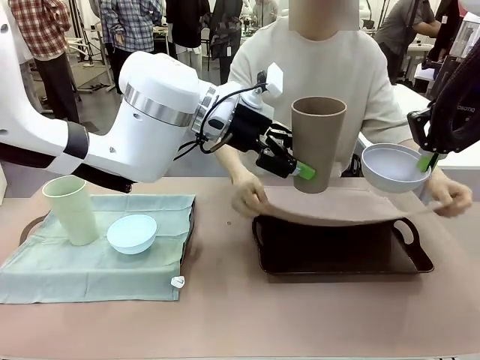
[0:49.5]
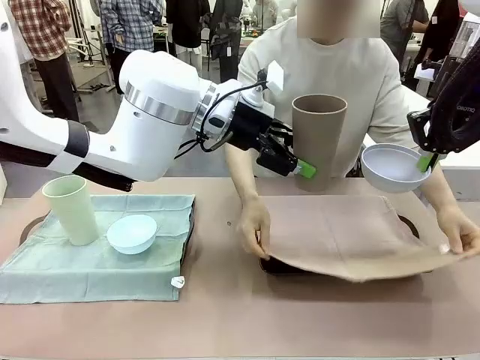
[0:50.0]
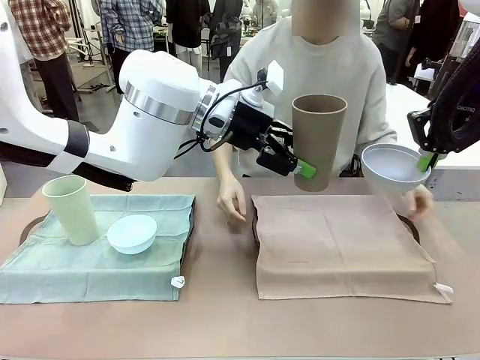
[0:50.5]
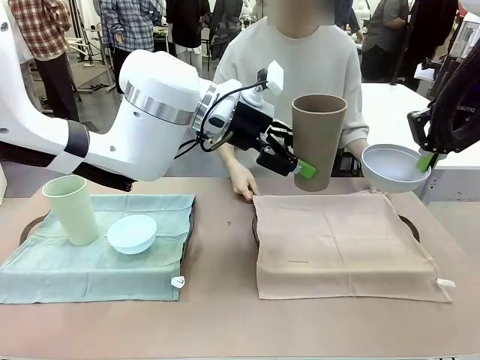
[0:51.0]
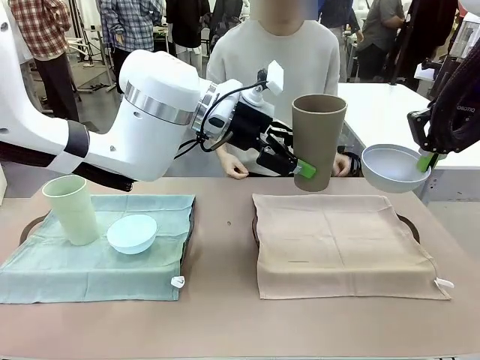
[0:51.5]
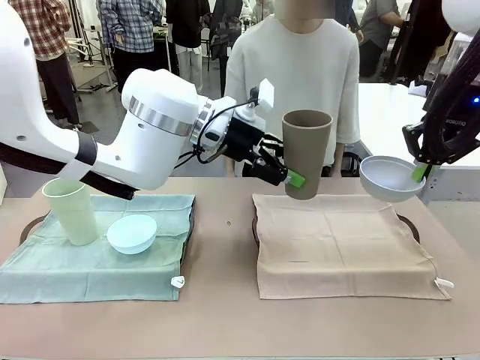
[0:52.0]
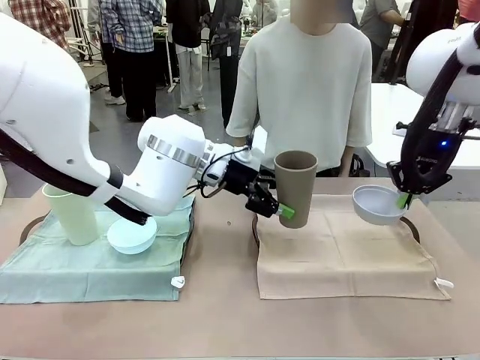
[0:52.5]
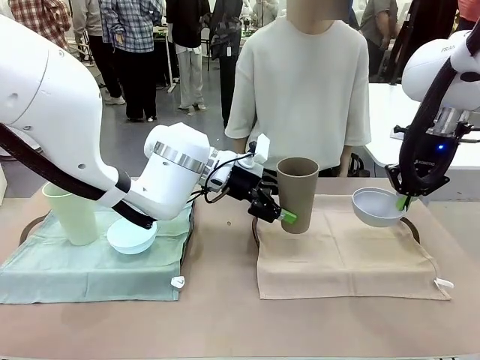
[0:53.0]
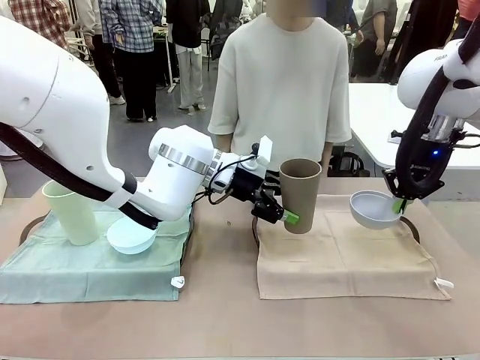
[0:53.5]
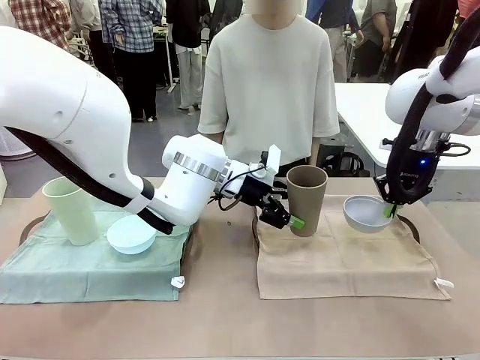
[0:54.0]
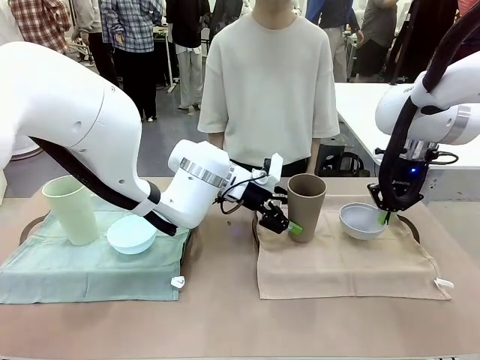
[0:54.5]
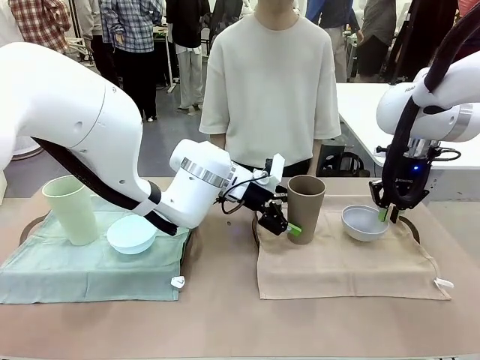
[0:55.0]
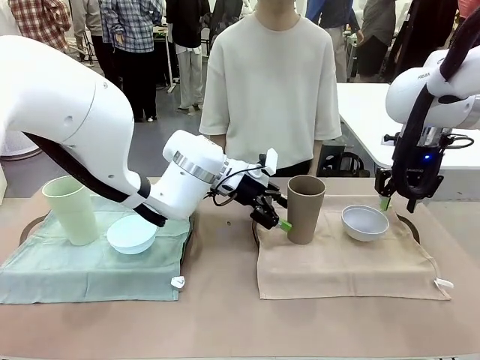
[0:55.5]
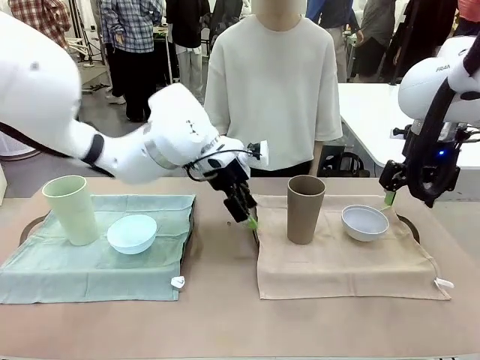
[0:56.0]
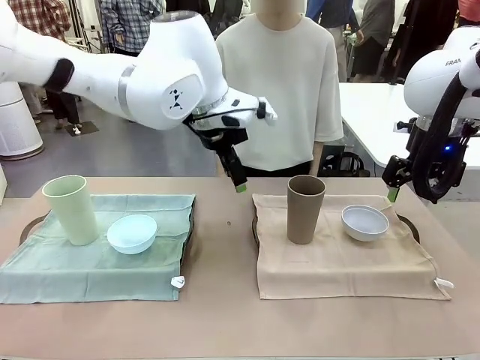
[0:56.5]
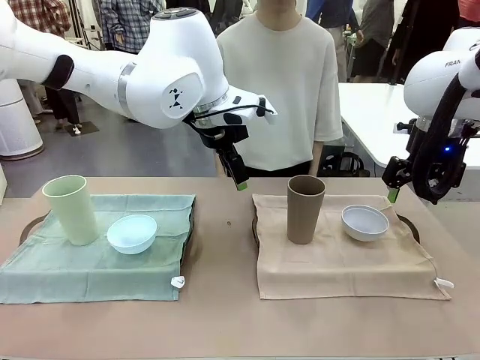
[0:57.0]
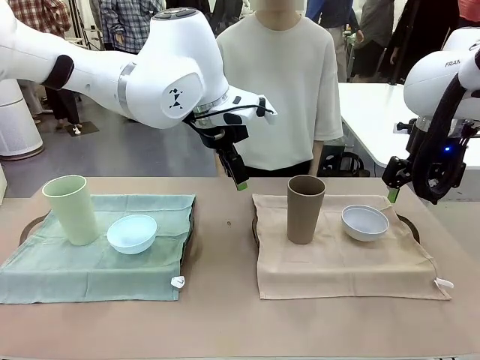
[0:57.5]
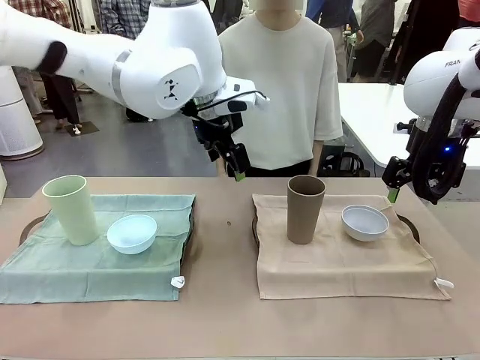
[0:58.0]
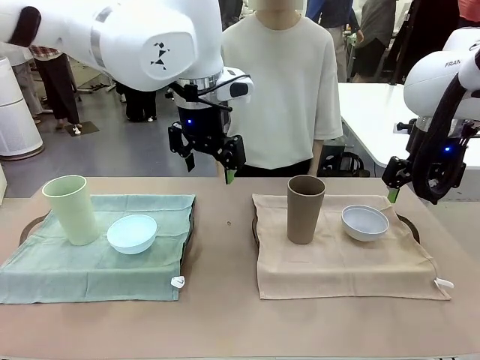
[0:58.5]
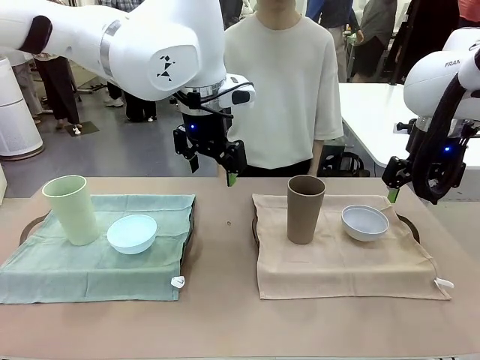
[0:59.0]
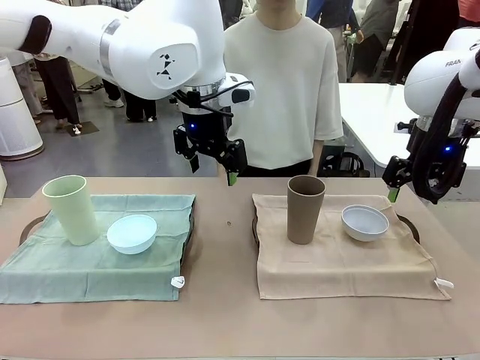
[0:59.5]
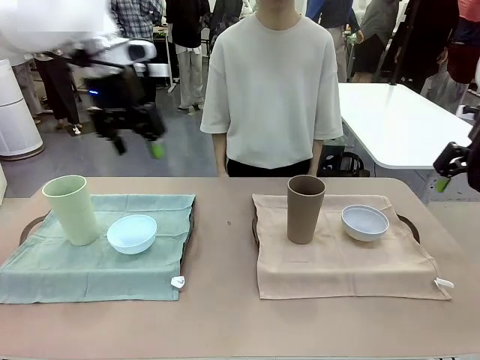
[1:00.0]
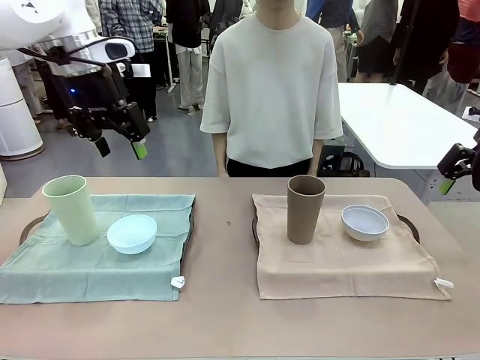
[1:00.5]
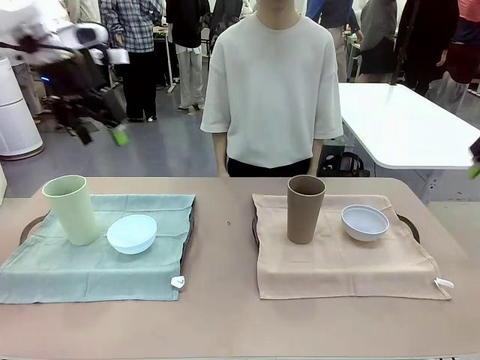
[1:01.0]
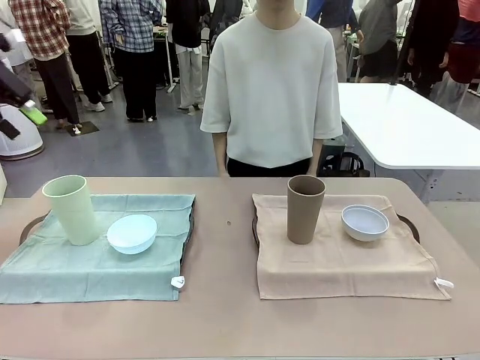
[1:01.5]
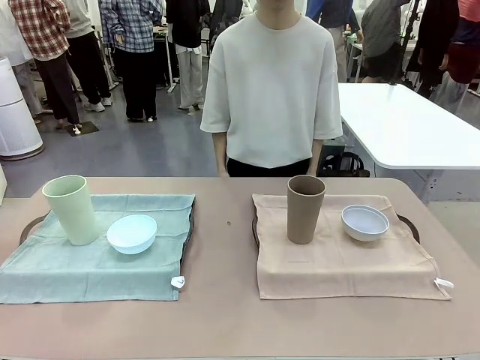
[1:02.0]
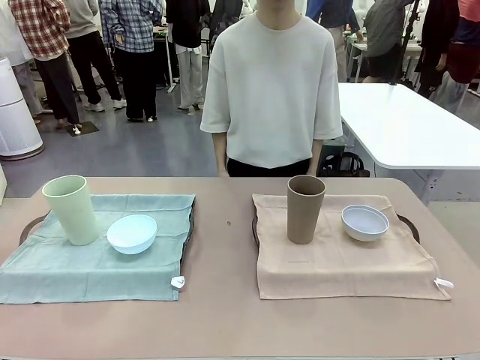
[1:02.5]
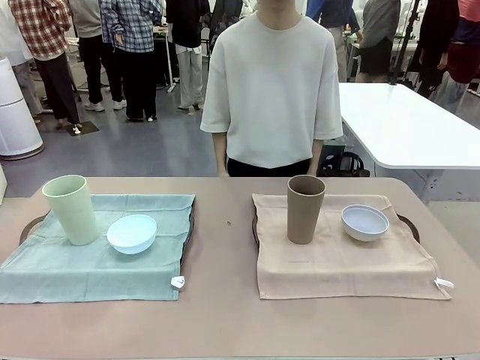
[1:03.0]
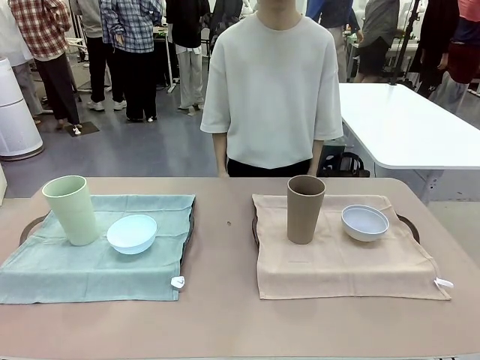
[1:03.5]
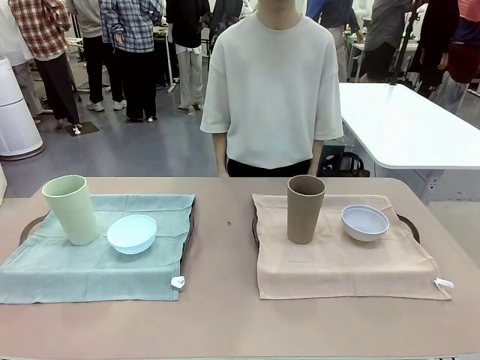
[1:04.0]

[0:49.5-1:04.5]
Robot: Place the Picnic Bowl and Reusable plastic cup back onto the Handle tray in front of the human's position.
Person: When the robot lifts the bowl and the cup, the human unfolds the napkin and lays the napkin flat on the tray.
